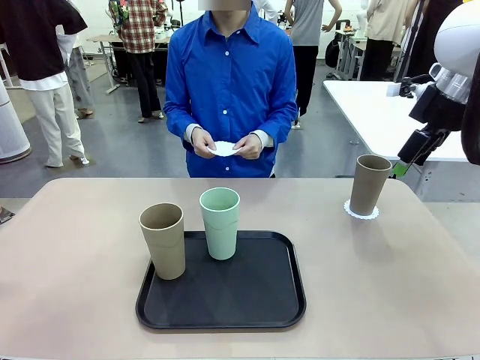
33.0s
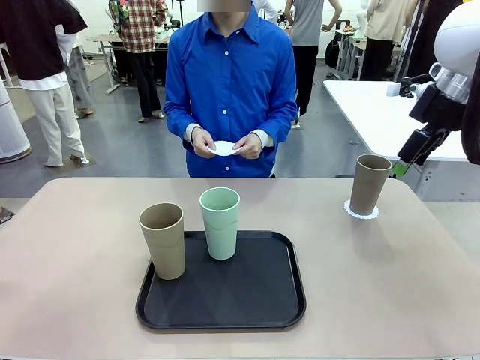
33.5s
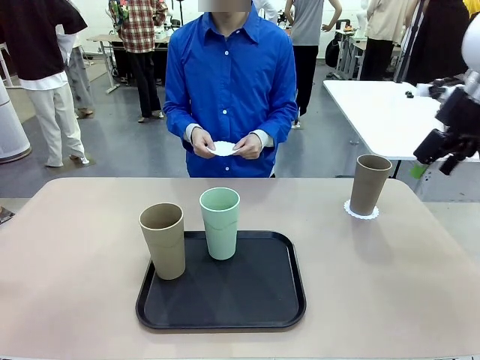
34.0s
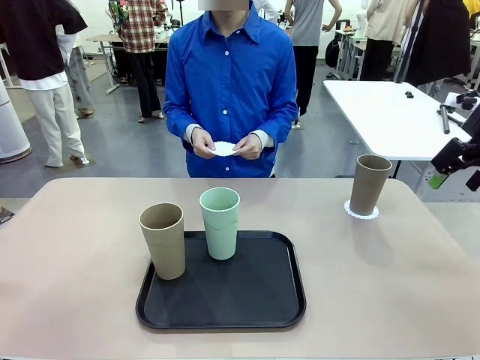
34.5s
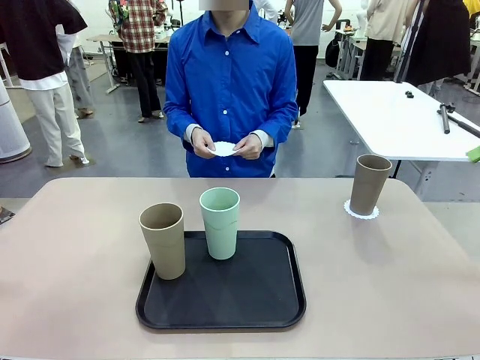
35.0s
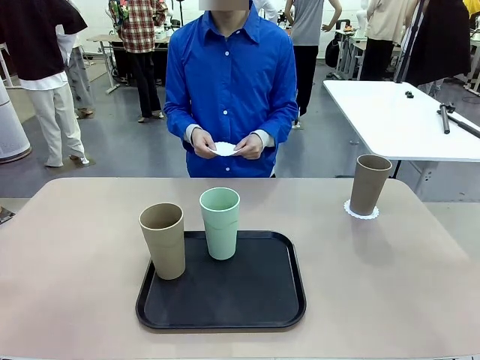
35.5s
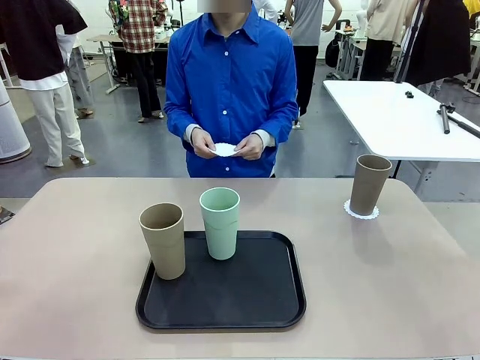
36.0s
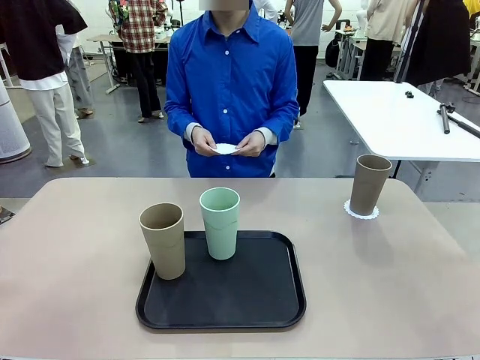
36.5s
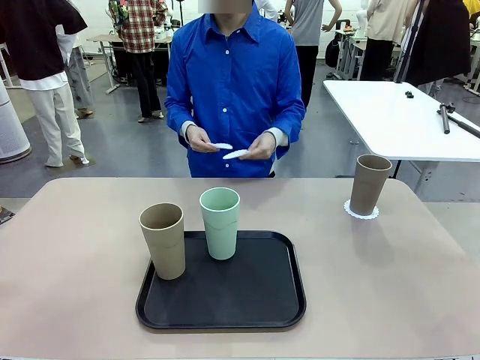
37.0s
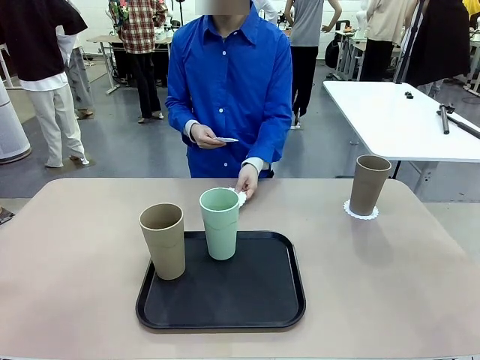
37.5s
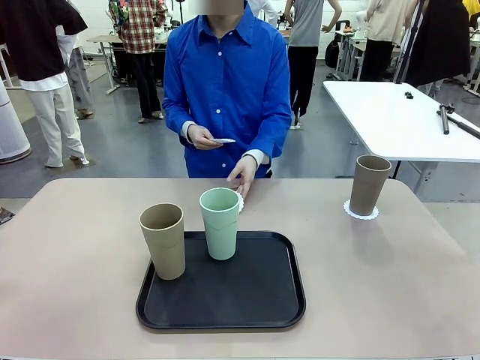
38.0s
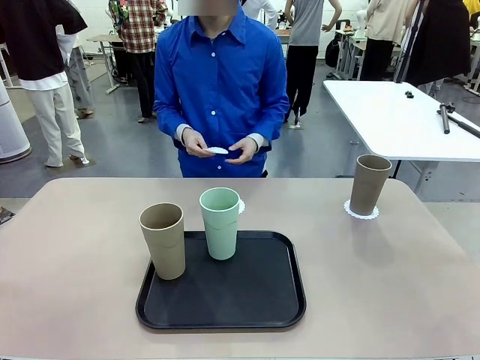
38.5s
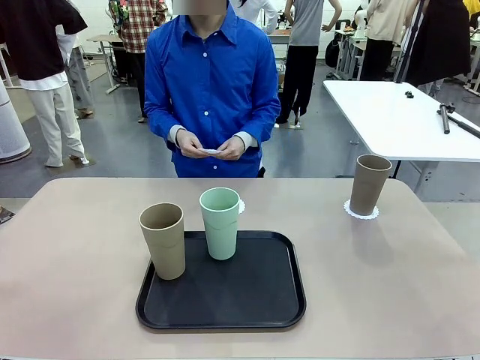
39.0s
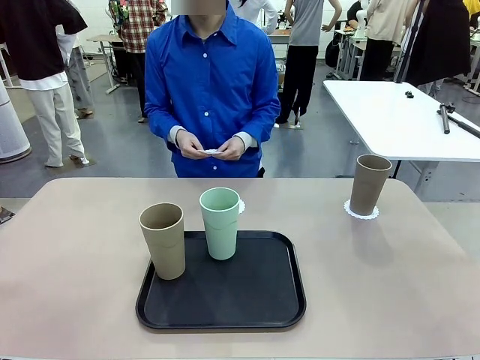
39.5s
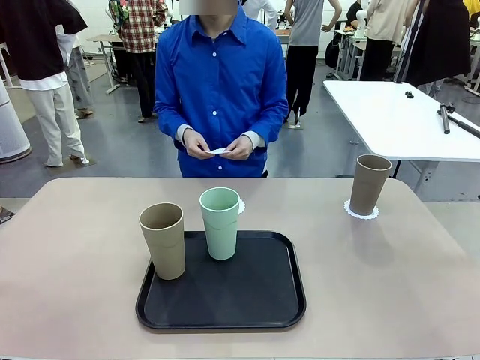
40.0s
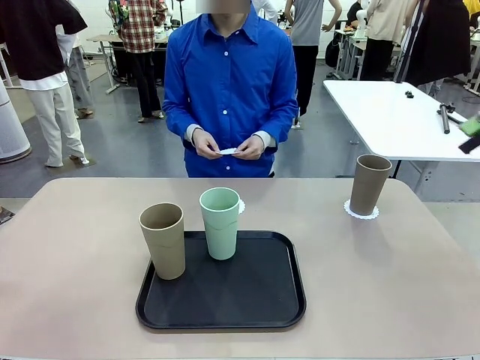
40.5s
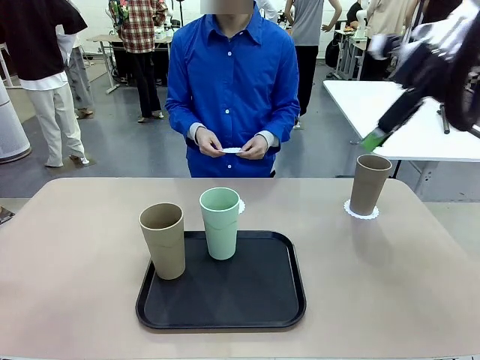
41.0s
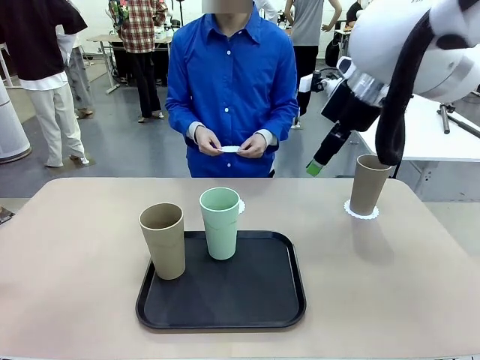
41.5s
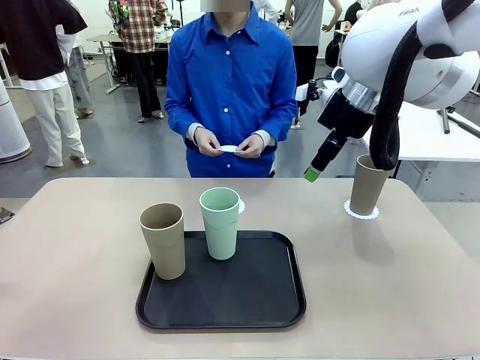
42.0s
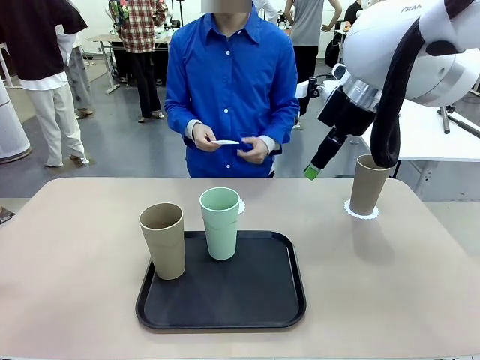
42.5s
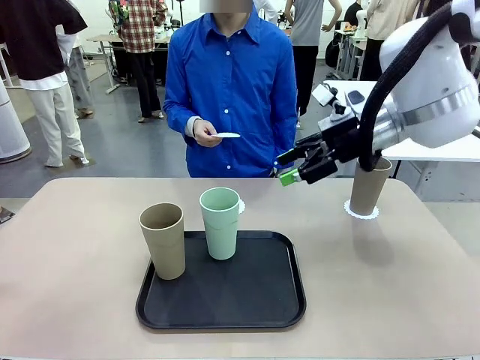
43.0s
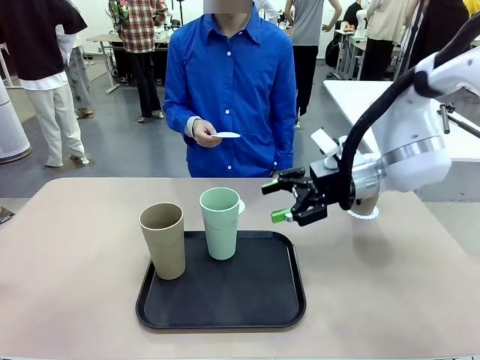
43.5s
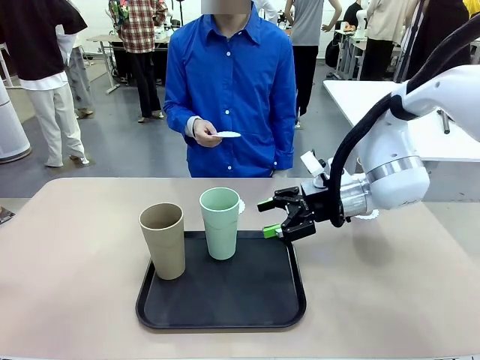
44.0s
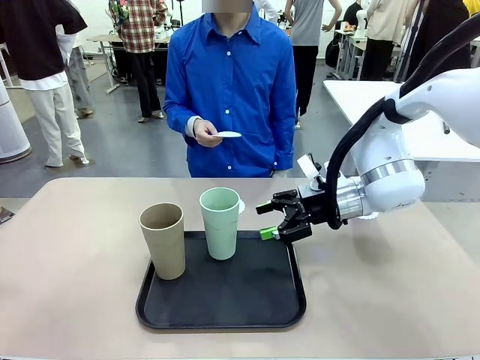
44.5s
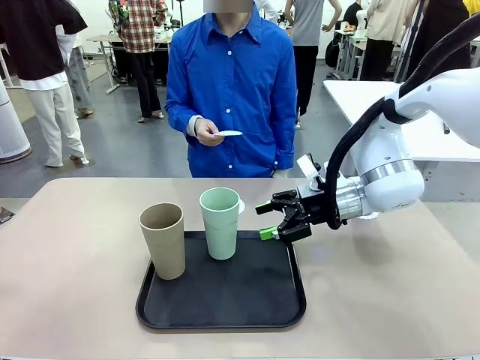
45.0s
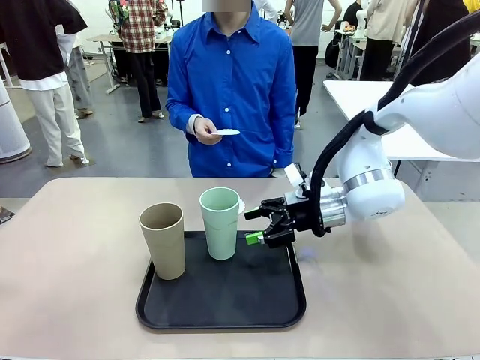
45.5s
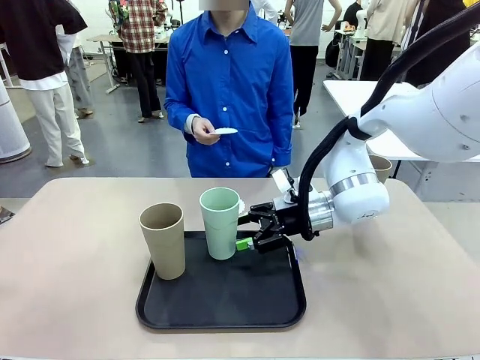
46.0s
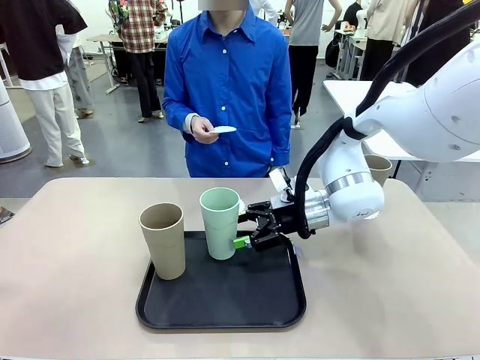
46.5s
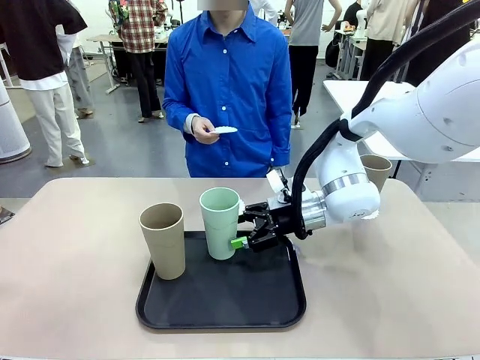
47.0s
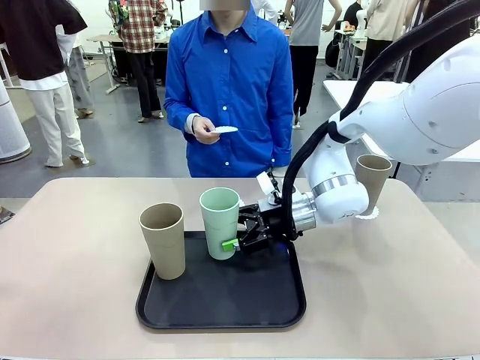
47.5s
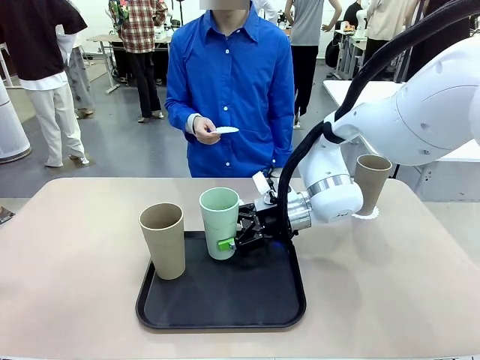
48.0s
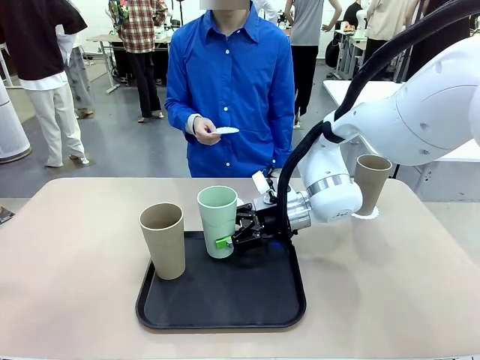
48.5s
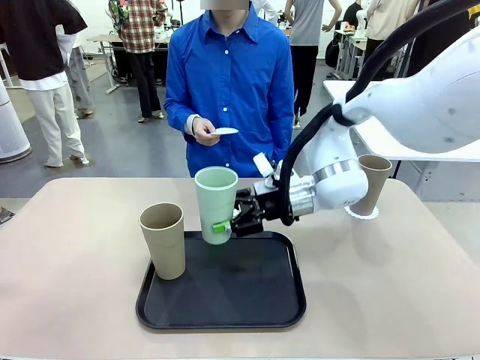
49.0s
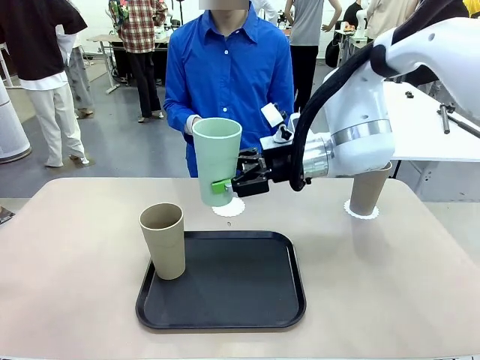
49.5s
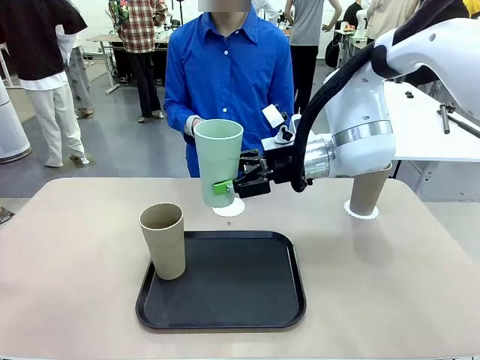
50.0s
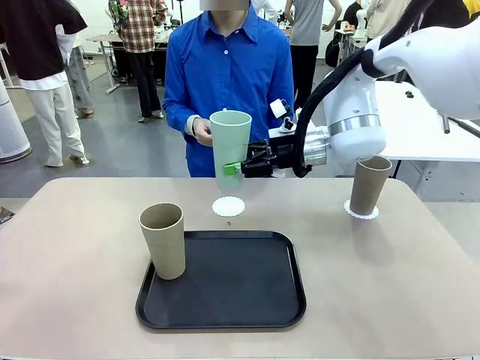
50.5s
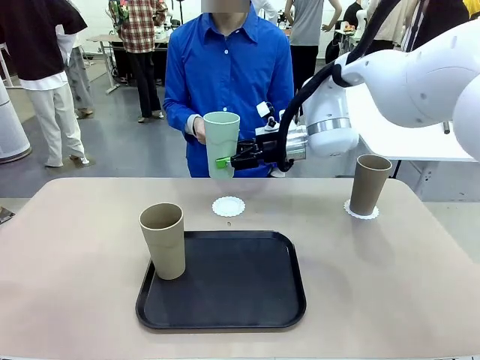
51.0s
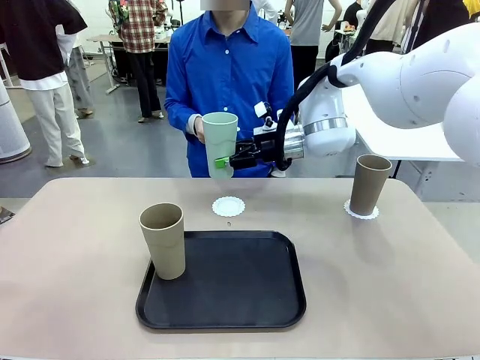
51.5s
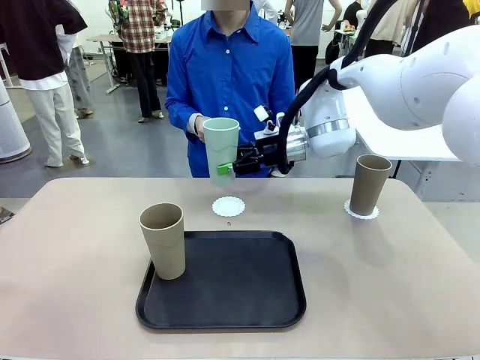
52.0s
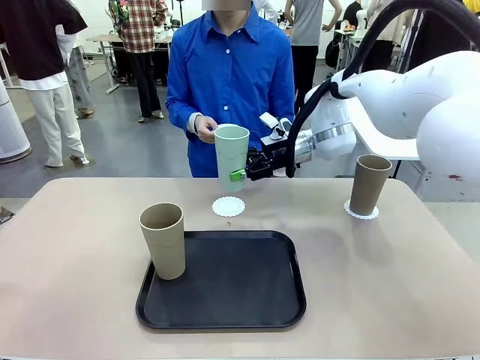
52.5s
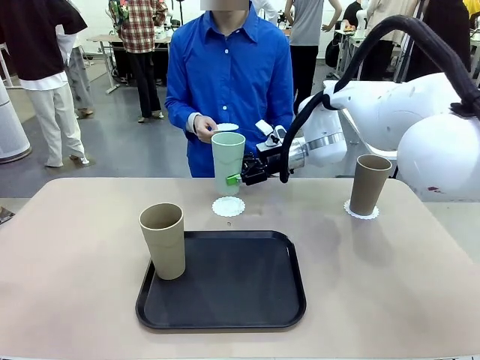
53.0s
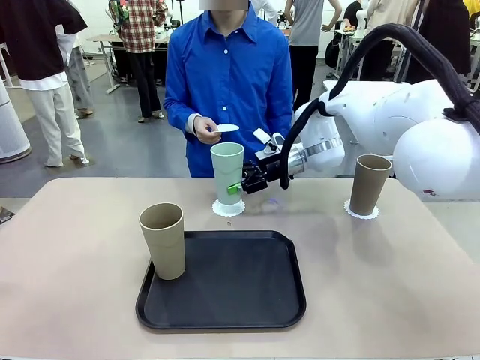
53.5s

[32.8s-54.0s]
Task: Place coasters on the table and set cups on them.
Robot: Take one Reusable plastic cup from the Flat Tray and place it on a coaster set by the human.
